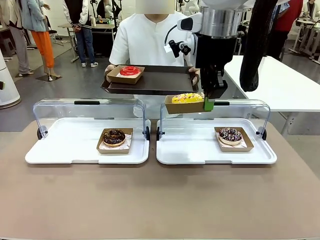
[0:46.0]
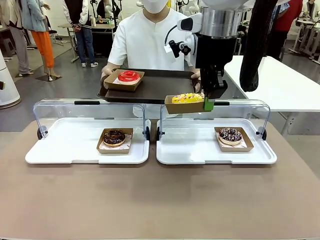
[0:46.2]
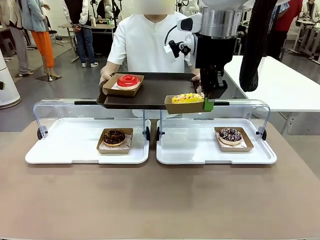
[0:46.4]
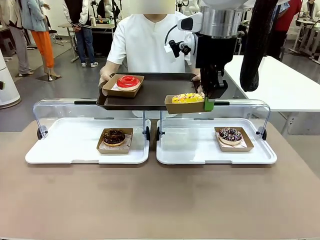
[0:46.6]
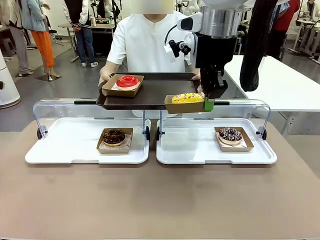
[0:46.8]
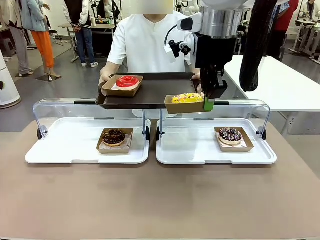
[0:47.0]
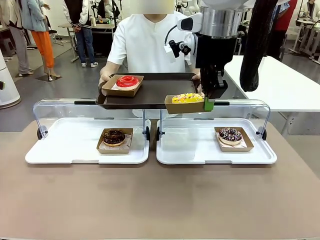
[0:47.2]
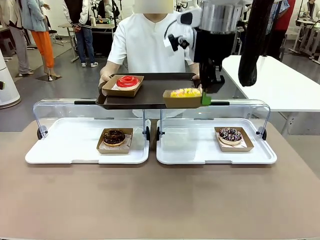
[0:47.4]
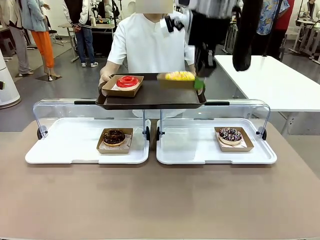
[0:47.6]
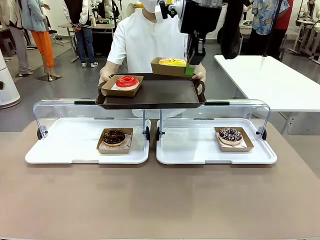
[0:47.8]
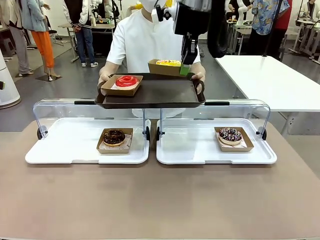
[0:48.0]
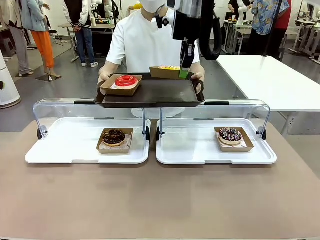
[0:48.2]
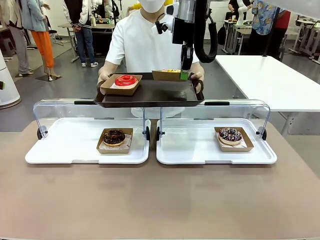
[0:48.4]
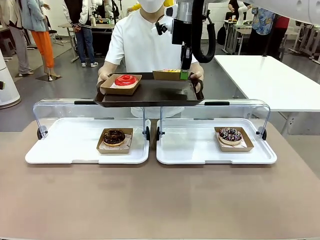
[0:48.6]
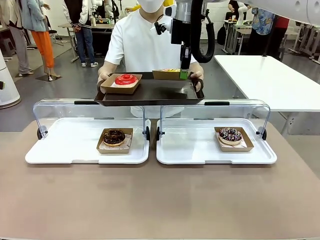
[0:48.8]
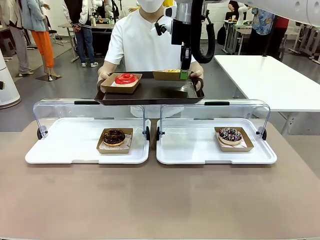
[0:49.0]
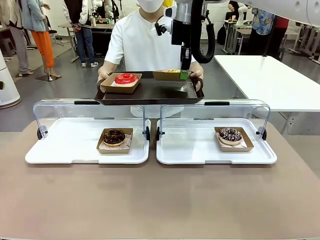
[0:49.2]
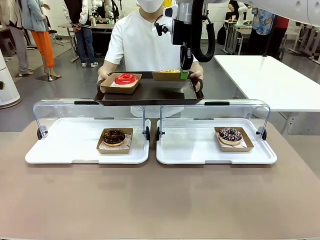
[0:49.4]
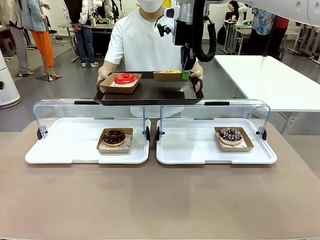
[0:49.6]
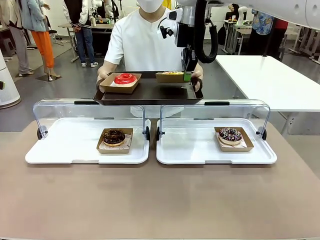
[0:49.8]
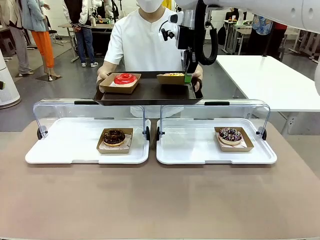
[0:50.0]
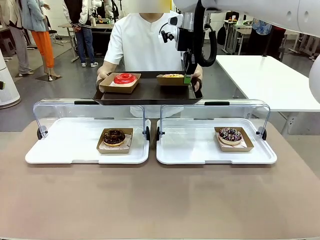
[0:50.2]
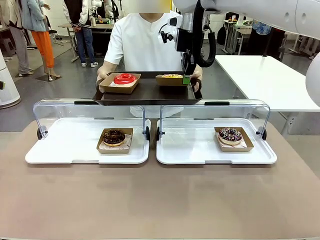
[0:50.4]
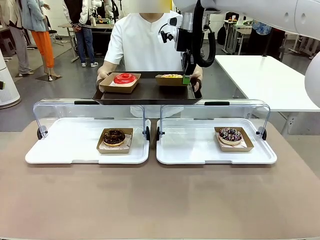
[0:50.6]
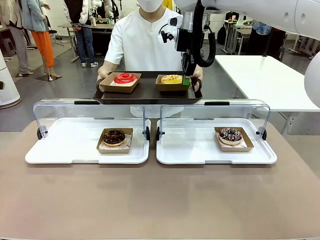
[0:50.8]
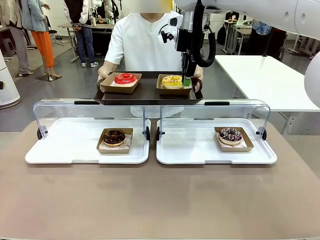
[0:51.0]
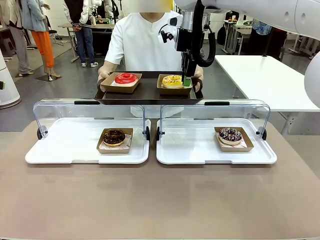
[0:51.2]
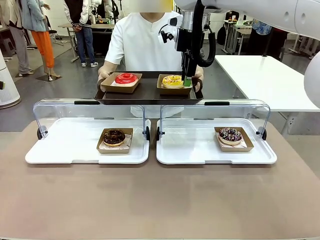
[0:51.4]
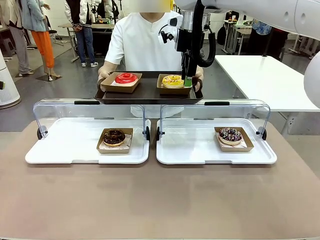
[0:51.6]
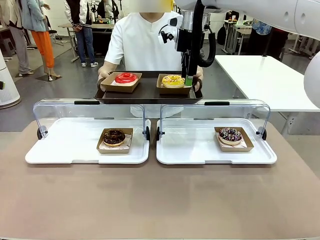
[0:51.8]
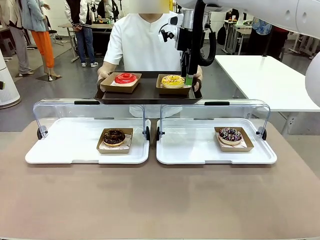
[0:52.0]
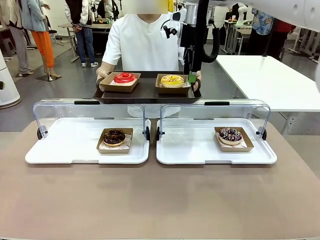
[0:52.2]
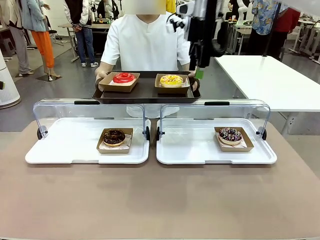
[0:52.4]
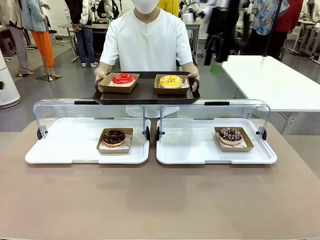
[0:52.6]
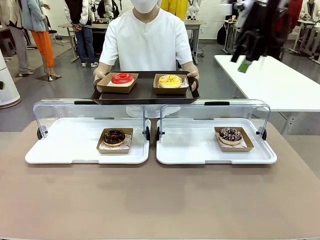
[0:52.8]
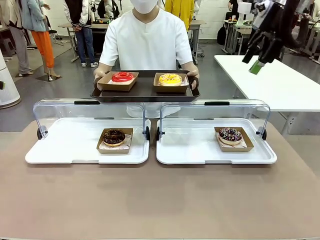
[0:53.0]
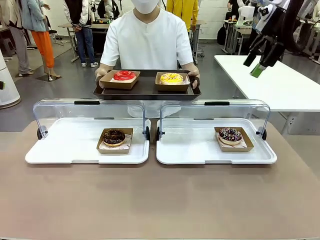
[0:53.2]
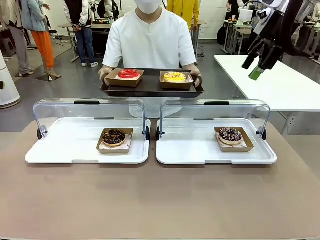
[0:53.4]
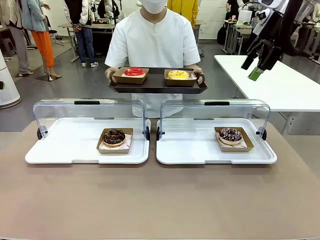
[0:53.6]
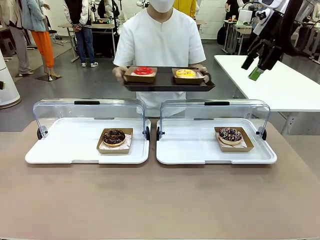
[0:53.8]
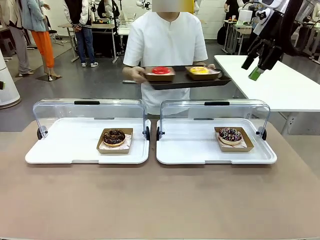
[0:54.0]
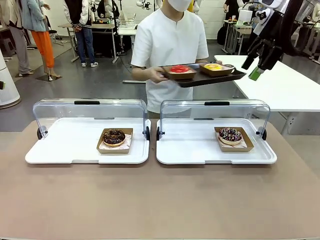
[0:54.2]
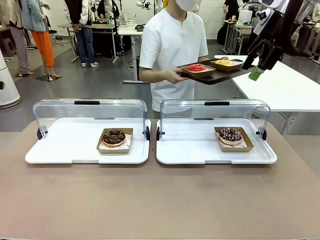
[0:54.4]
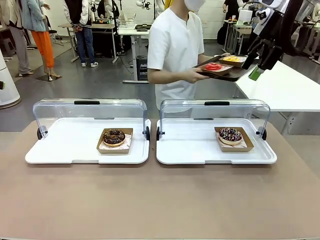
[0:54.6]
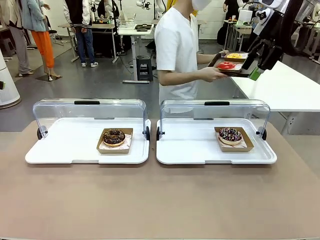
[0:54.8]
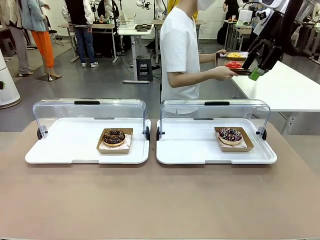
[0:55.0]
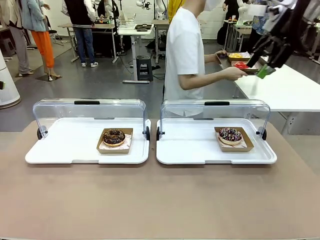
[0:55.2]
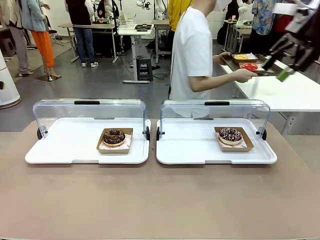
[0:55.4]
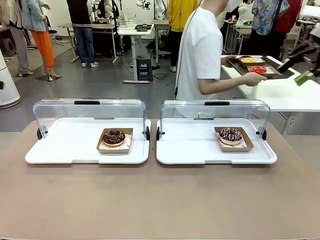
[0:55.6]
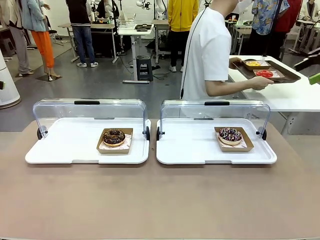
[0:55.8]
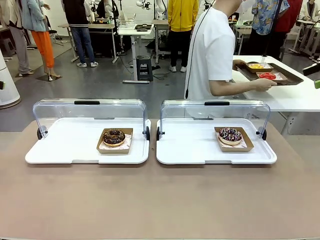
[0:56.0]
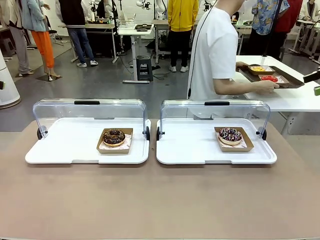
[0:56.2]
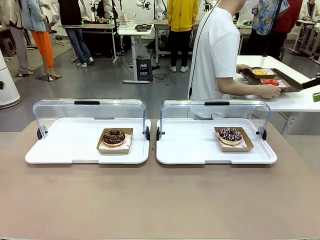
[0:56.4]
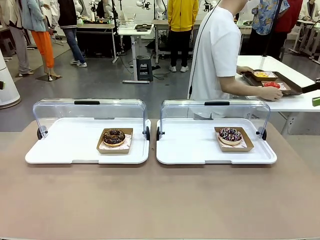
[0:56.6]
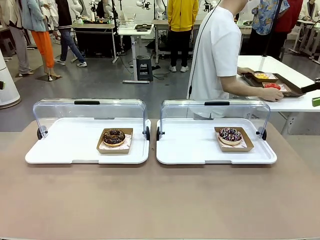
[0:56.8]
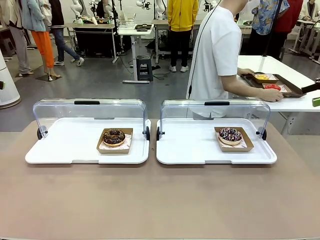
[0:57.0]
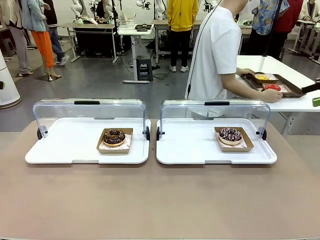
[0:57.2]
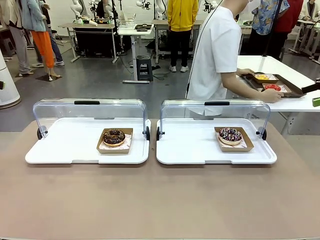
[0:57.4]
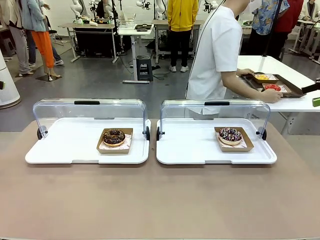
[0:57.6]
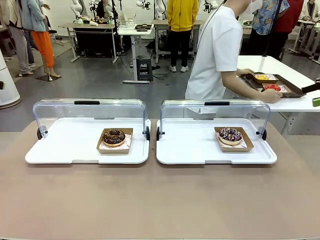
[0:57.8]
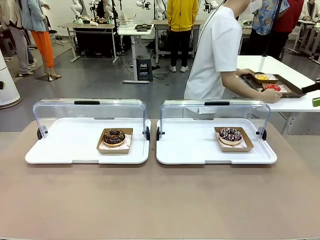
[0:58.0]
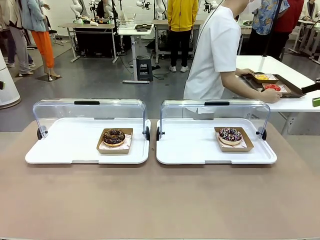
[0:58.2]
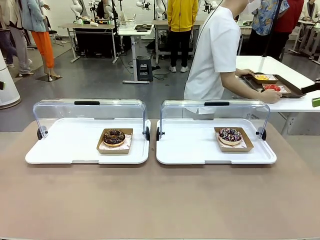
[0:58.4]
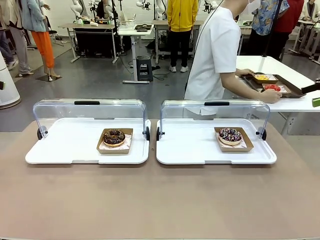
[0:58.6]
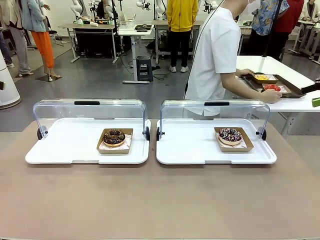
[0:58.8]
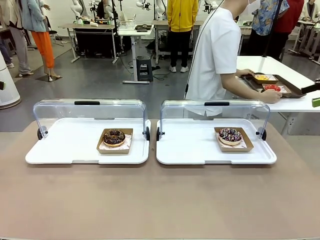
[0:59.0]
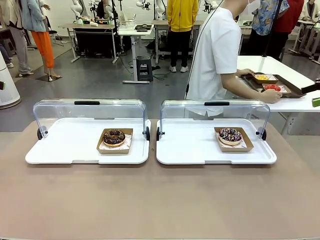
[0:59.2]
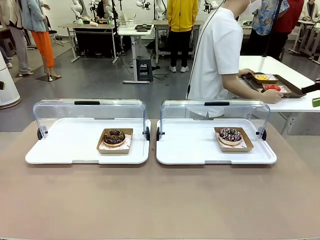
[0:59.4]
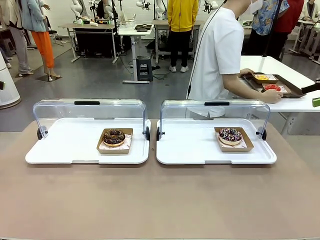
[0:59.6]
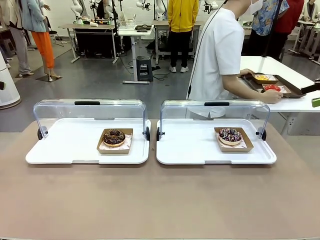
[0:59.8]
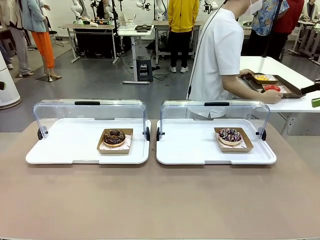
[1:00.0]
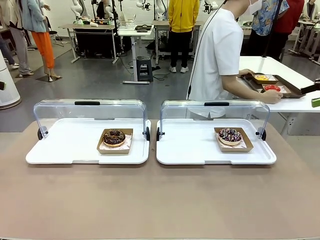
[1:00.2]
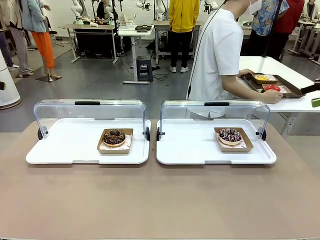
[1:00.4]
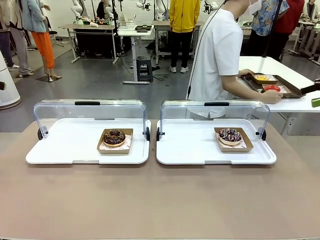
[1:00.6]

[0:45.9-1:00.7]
Task: Provide the desired donut to the person.
Robot: Place the picked Paper togo box onto the Handle tray extended by the person.
Person: Place the tray in the middle of the human table.

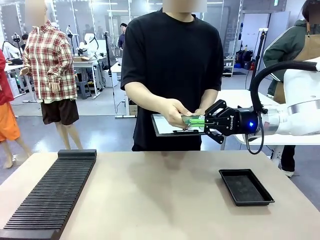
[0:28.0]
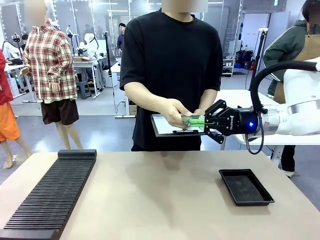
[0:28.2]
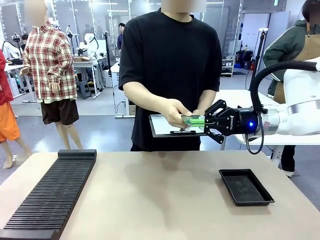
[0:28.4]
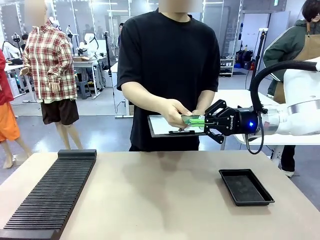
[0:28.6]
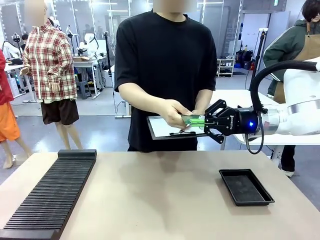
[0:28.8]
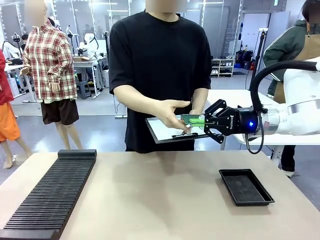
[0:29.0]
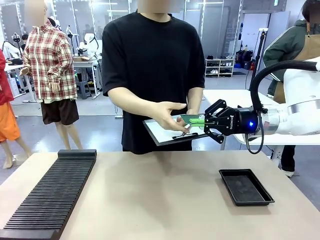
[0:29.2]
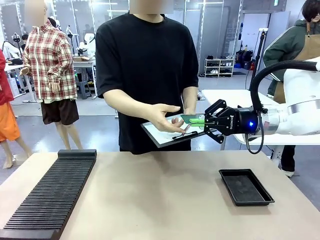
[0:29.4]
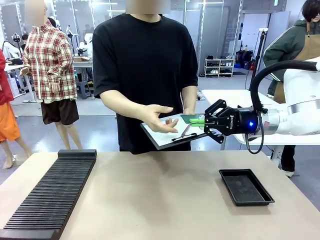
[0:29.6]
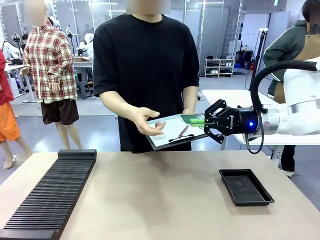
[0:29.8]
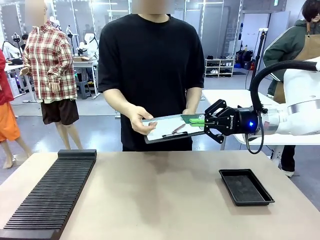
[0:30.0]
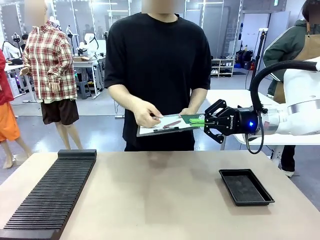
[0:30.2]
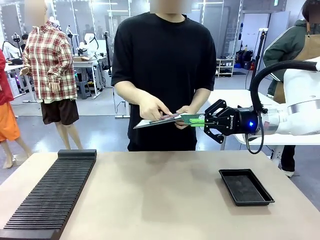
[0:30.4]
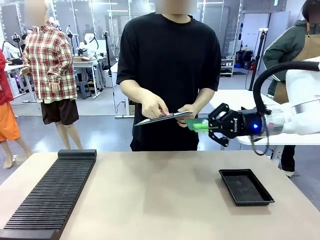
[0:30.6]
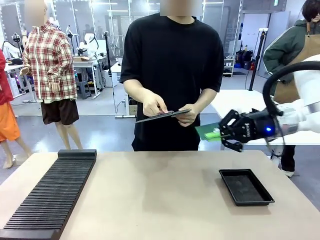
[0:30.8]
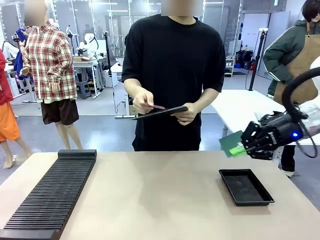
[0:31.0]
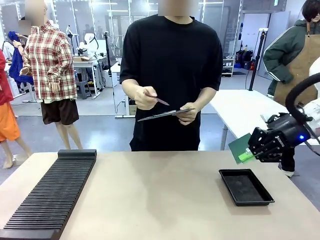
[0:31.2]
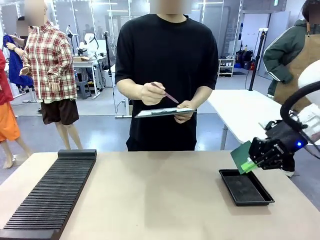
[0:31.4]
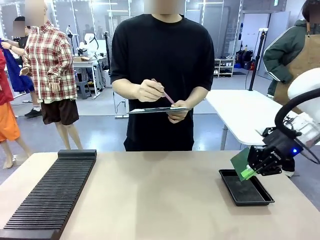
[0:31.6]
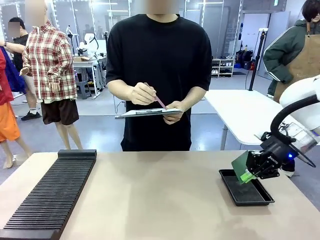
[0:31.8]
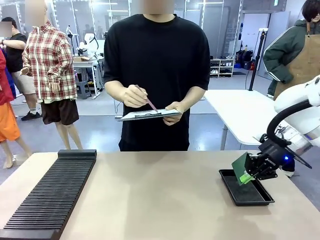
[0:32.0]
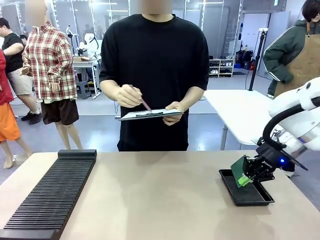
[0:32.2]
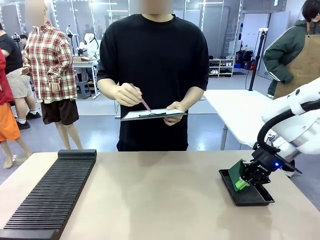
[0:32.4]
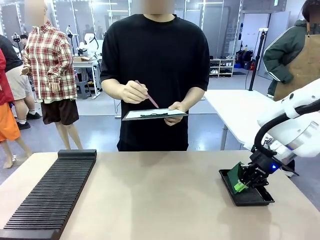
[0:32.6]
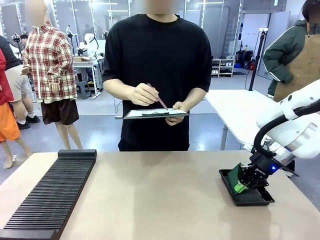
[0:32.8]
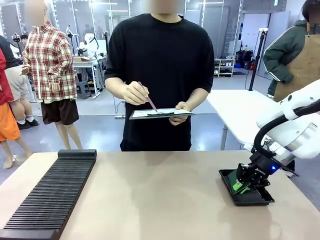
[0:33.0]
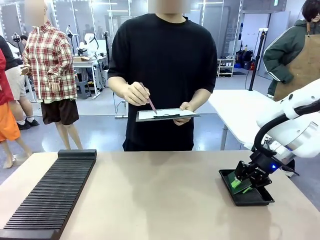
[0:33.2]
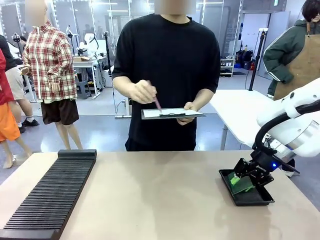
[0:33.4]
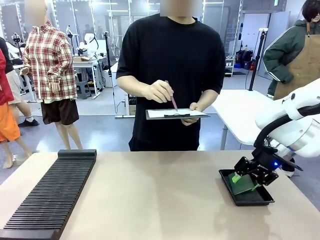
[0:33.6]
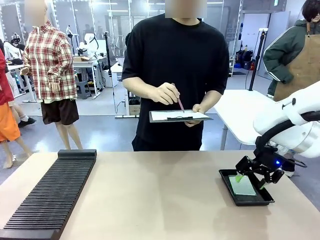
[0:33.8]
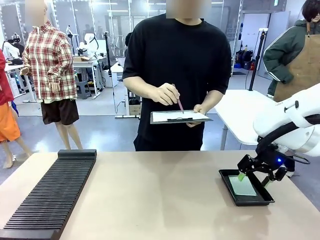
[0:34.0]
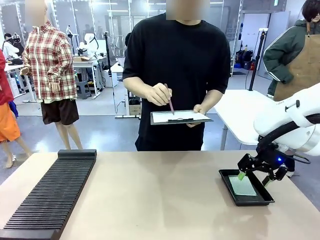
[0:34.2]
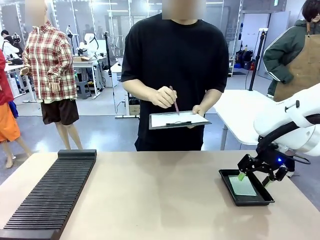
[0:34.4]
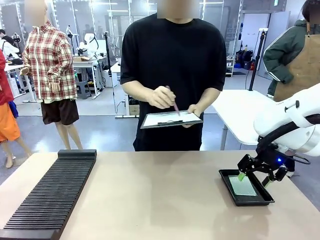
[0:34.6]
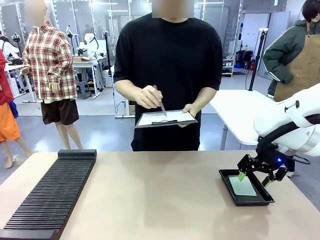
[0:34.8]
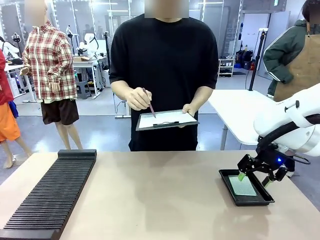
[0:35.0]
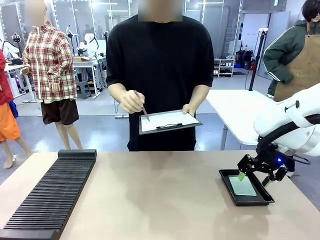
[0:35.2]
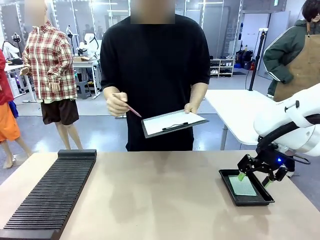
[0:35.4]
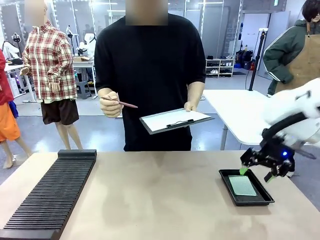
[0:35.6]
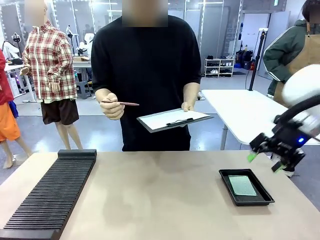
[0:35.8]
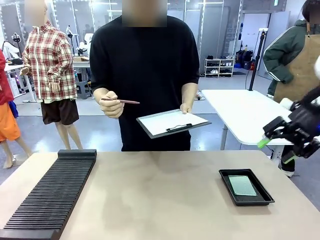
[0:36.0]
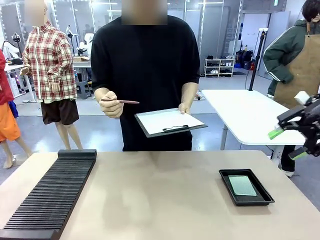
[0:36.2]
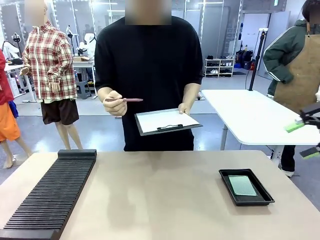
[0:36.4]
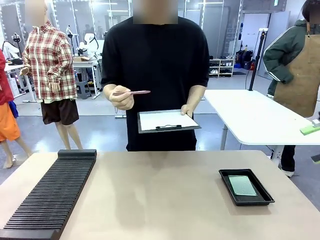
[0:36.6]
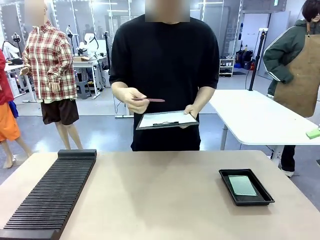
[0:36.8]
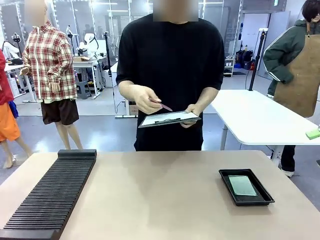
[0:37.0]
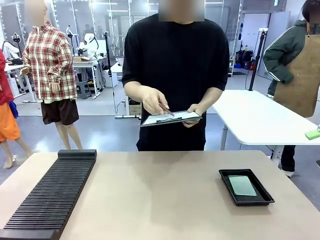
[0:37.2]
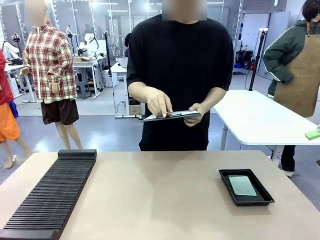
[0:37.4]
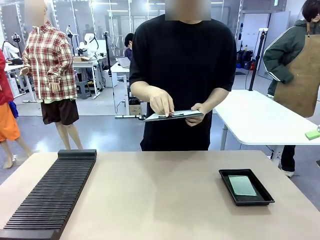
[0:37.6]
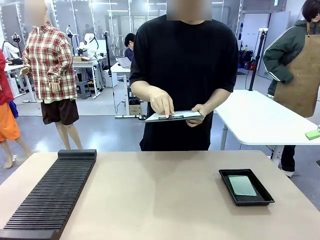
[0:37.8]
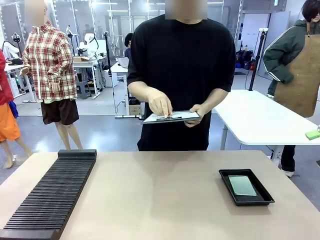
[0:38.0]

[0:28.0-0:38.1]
Task: Inspect the PCB.
Robot: Place the Blank PCB in the ESD tray.
Person: Record the PCB status on the paper.
